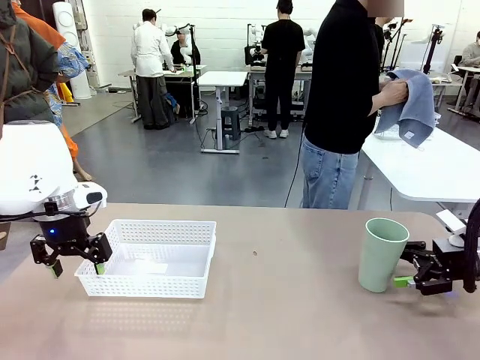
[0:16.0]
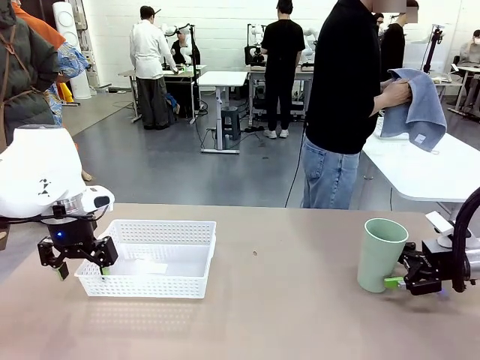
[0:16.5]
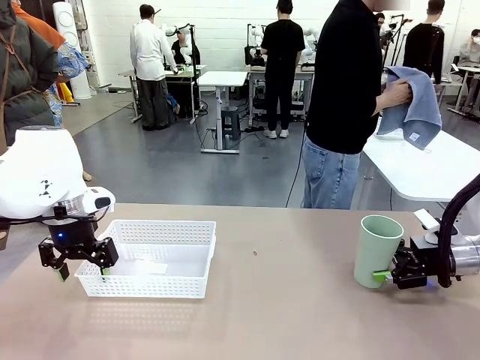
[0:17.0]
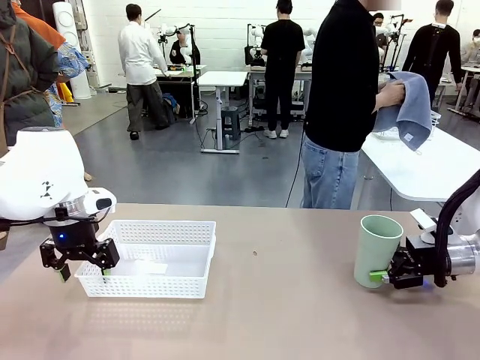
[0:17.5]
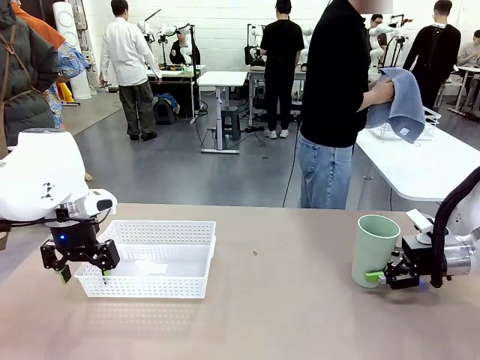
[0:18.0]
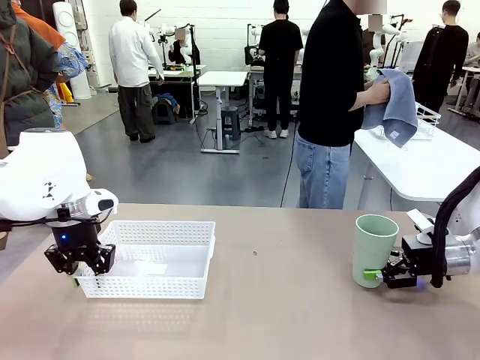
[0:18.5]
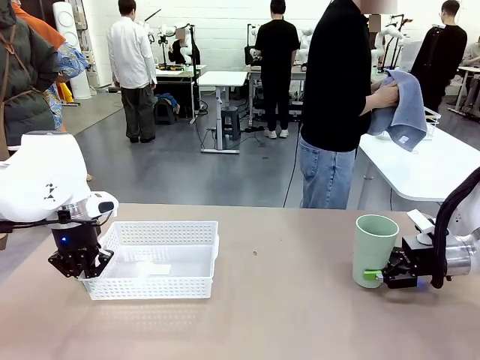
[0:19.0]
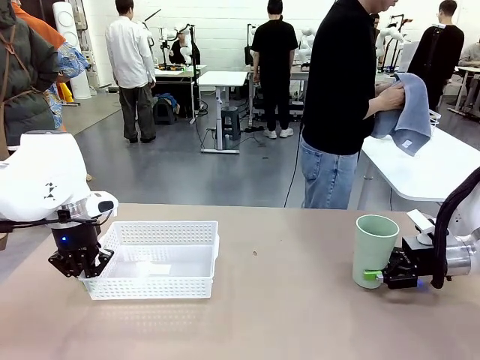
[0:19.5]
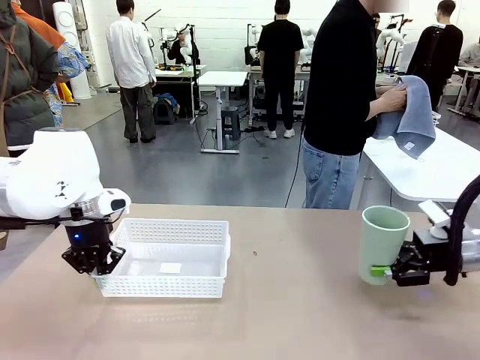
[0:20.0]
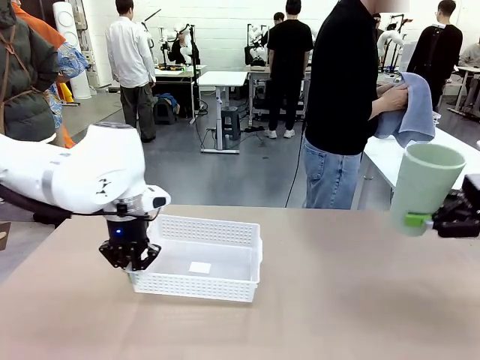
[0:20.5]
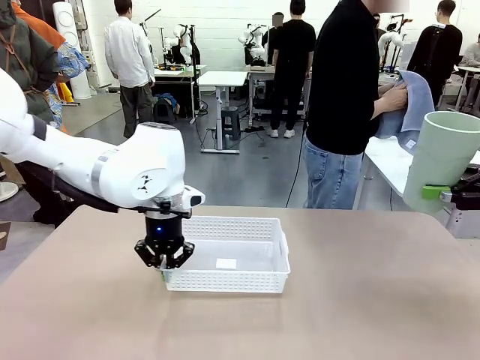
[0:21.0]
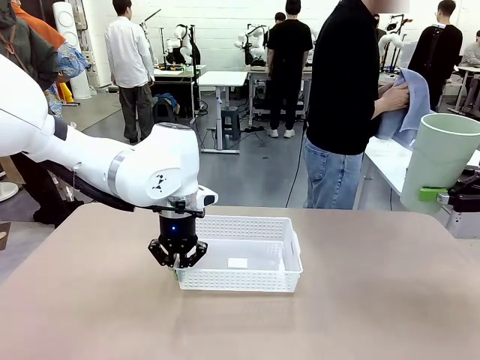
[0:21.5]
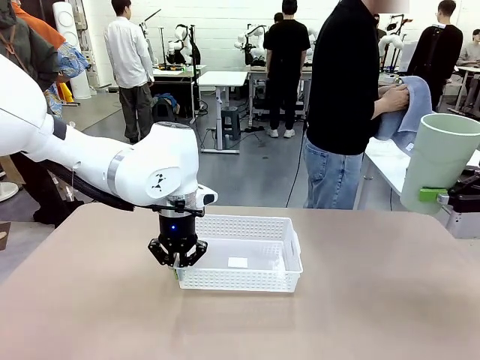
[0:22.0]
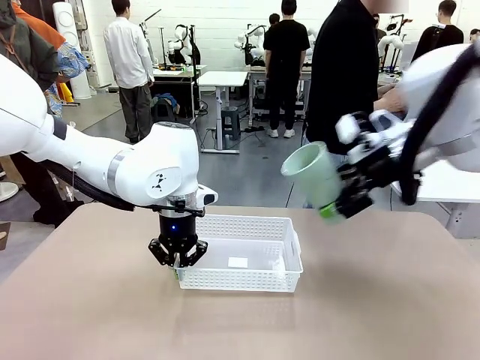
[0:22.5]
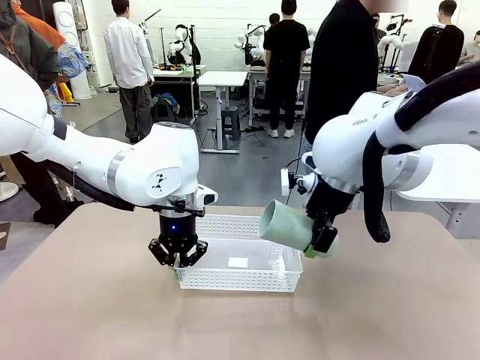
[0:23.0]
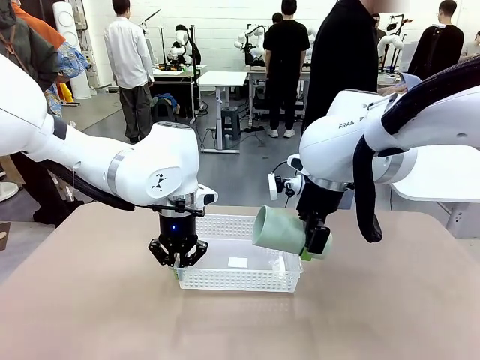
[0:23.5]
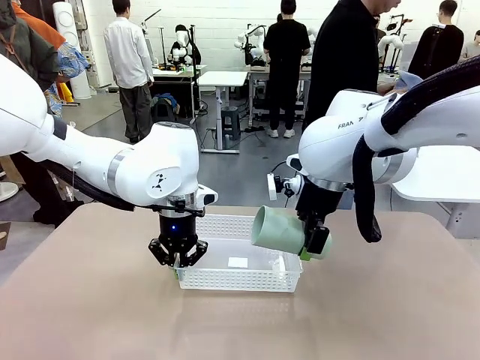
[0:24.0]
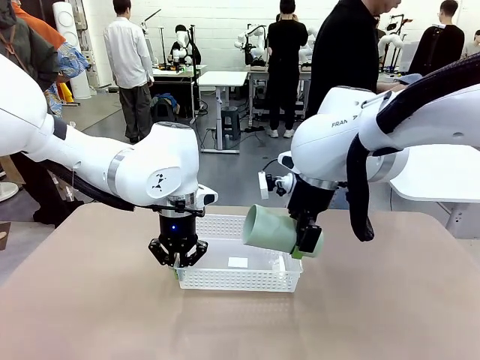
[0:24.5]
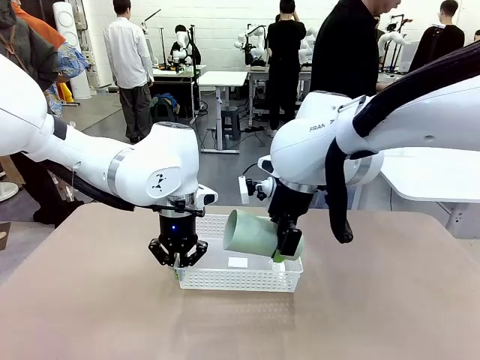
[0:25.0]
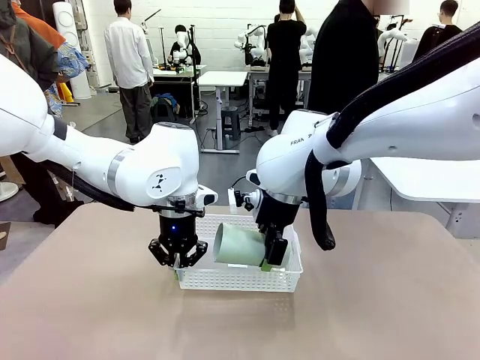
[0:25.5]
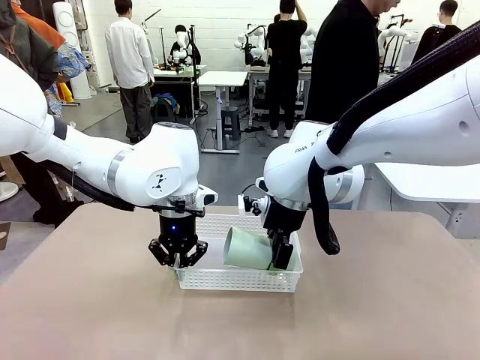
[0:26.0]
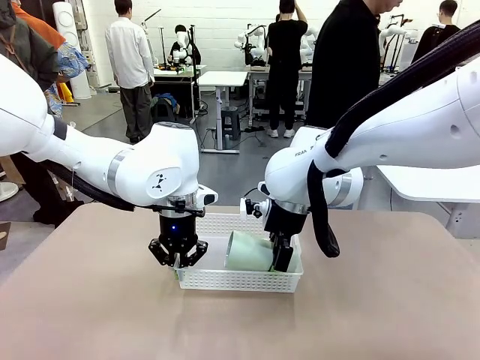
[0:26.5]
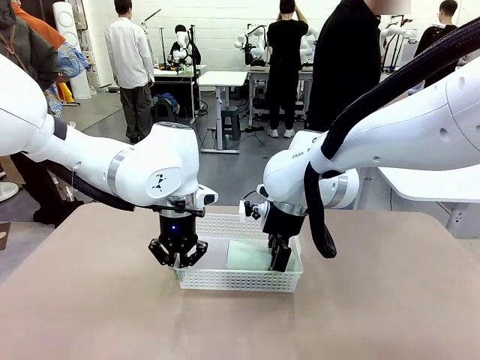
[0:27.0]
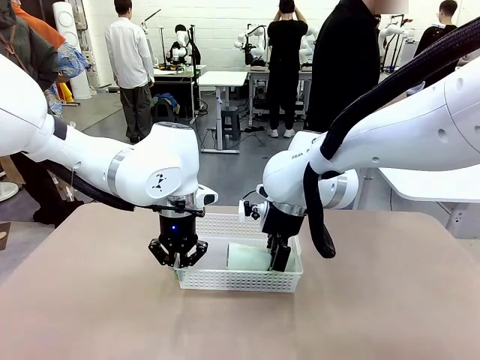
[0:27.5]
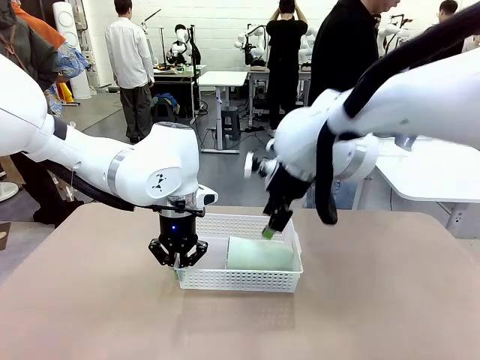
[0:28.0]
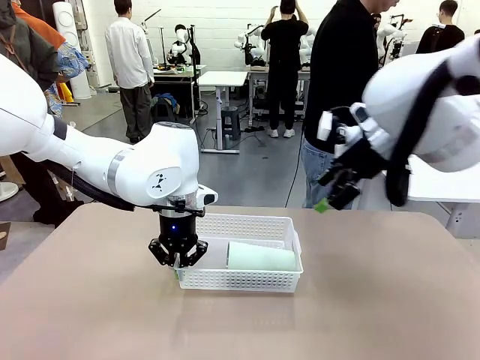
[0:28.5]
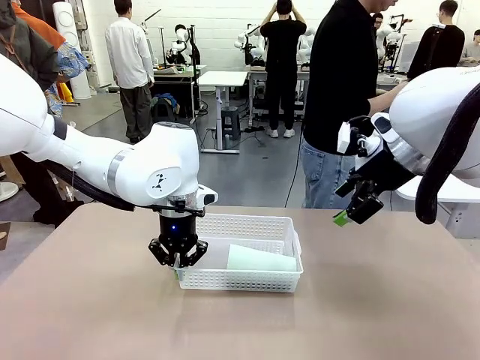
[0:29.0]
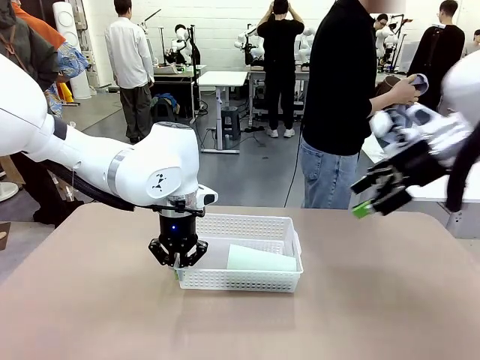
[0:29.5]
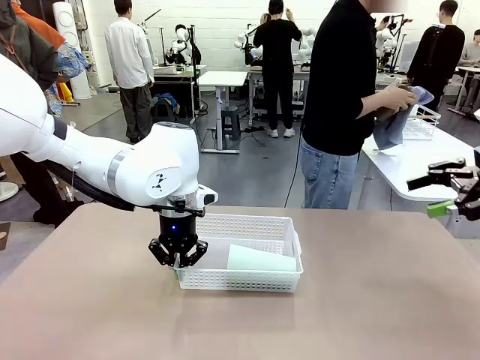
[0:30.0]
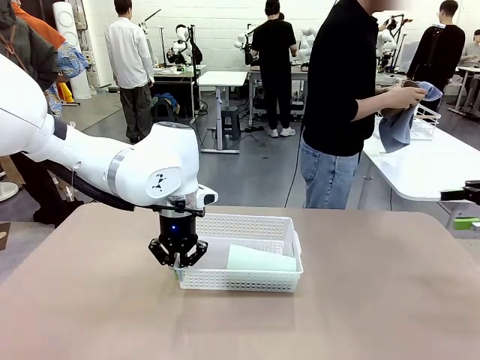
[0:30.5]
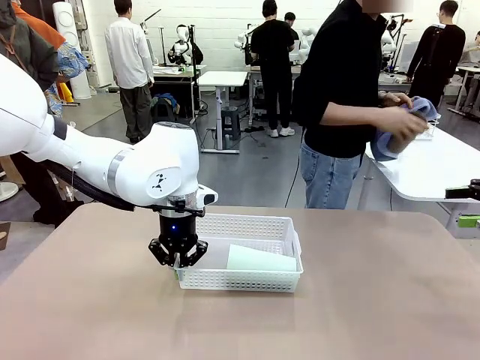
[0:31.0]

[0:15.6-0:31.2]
Task: Clean and organize the cups into the basket.
Robot: Pick up the Organizing basket and move it to the center of the table, then pick up the Reusable plastic cup from the right side of the table and place it inside the Organizing basket.
